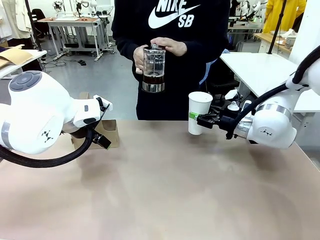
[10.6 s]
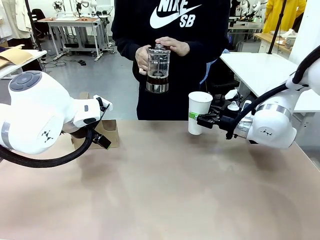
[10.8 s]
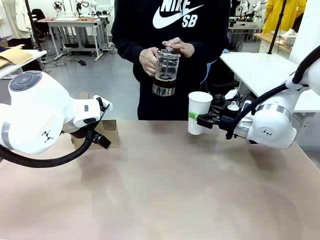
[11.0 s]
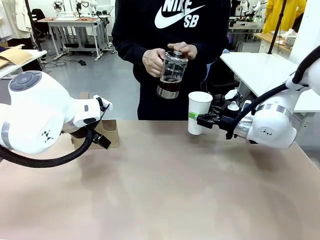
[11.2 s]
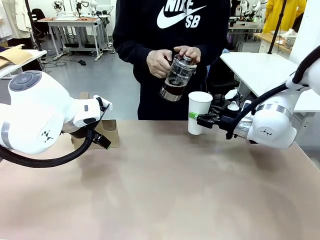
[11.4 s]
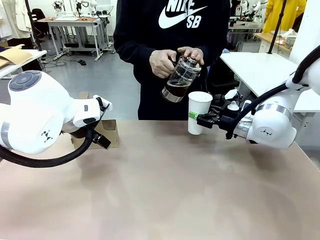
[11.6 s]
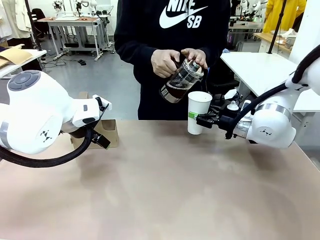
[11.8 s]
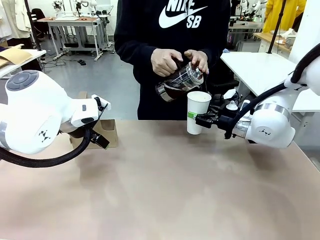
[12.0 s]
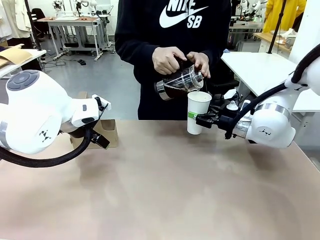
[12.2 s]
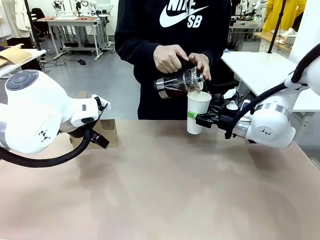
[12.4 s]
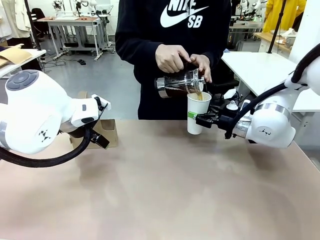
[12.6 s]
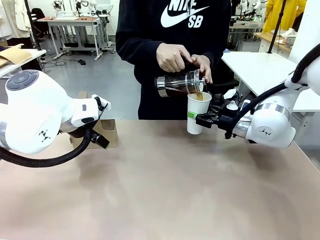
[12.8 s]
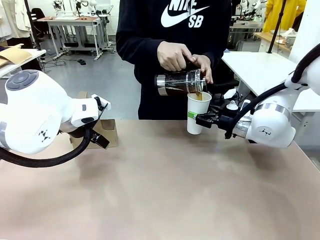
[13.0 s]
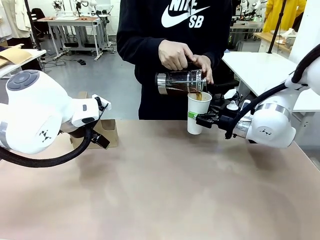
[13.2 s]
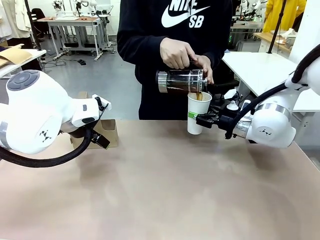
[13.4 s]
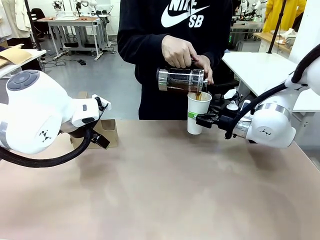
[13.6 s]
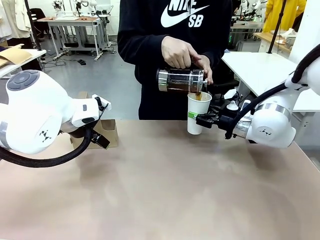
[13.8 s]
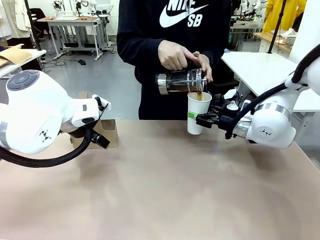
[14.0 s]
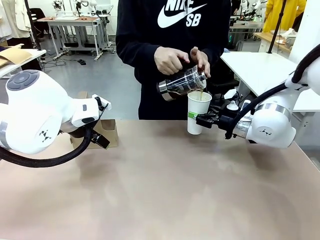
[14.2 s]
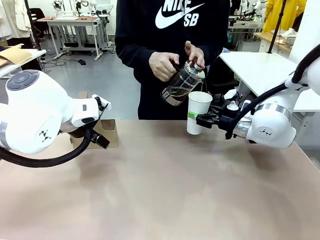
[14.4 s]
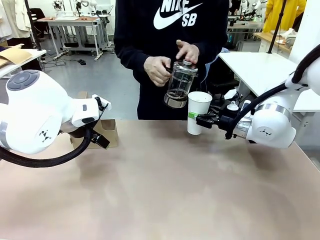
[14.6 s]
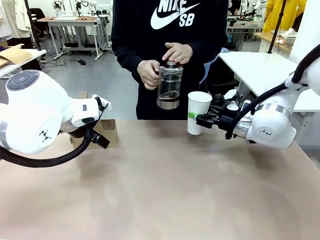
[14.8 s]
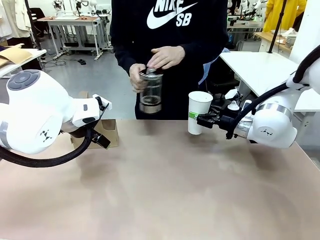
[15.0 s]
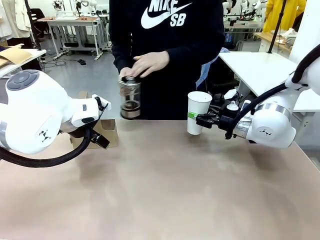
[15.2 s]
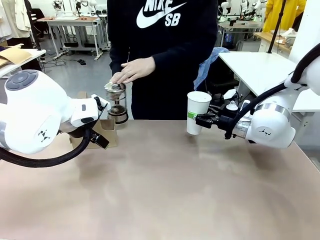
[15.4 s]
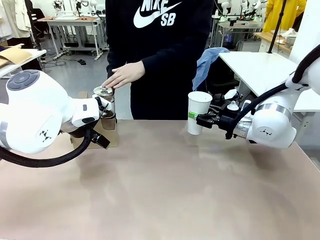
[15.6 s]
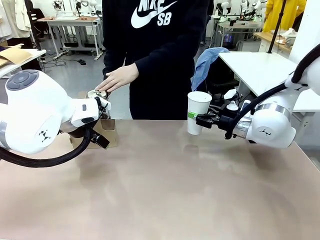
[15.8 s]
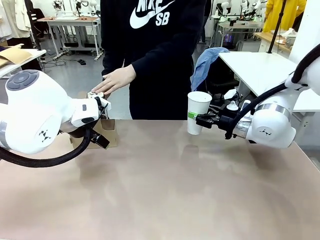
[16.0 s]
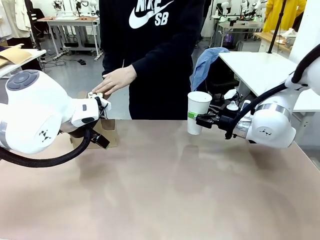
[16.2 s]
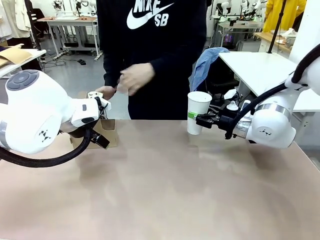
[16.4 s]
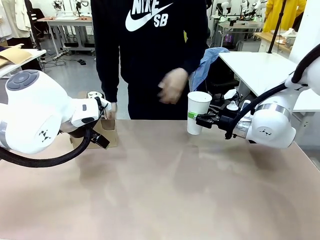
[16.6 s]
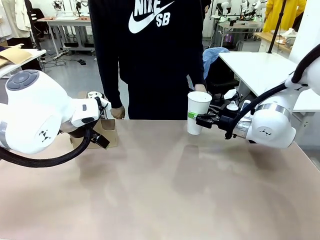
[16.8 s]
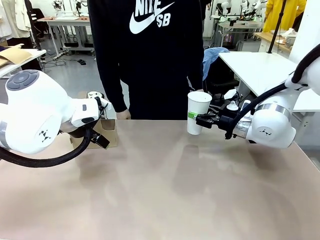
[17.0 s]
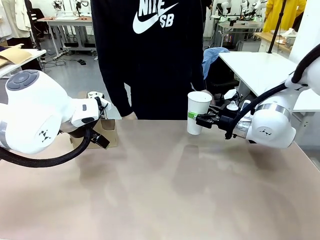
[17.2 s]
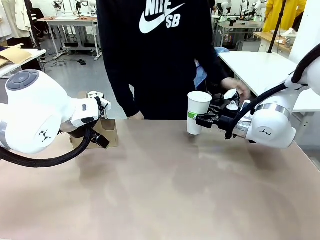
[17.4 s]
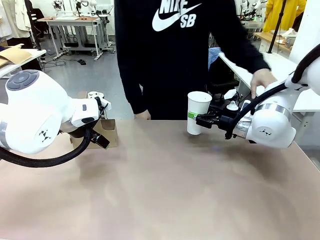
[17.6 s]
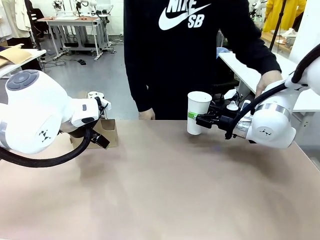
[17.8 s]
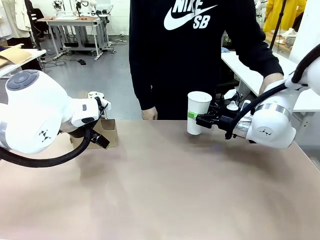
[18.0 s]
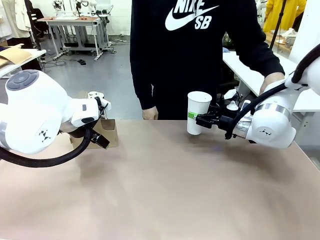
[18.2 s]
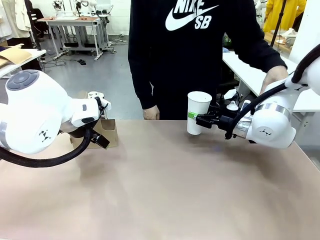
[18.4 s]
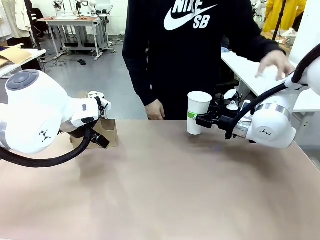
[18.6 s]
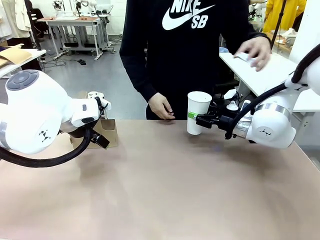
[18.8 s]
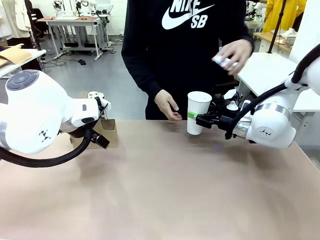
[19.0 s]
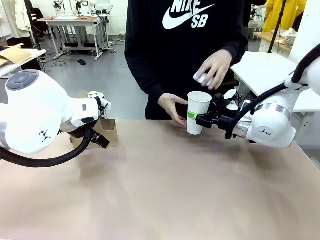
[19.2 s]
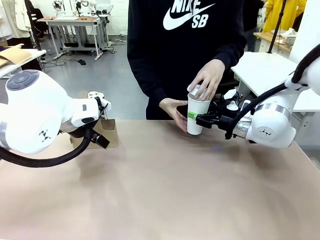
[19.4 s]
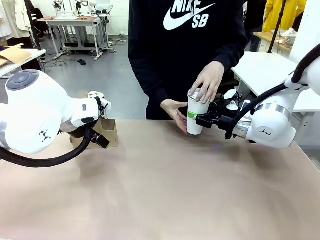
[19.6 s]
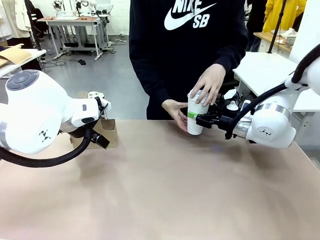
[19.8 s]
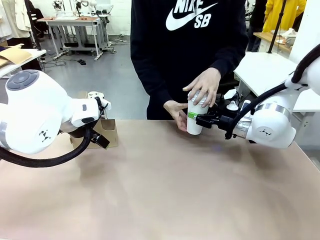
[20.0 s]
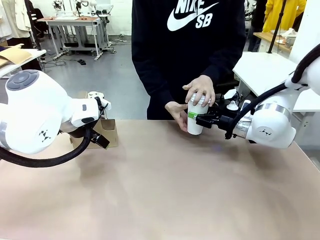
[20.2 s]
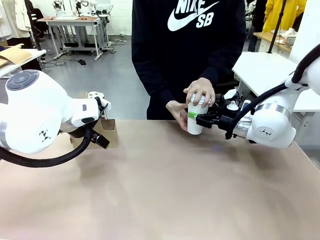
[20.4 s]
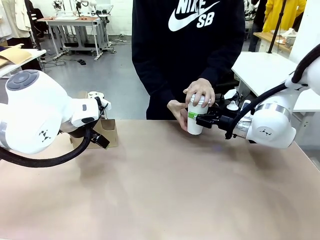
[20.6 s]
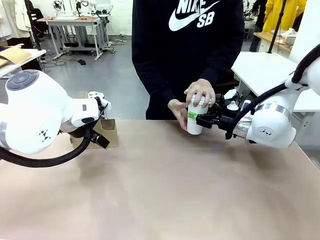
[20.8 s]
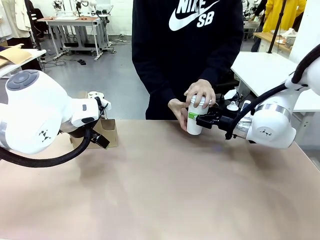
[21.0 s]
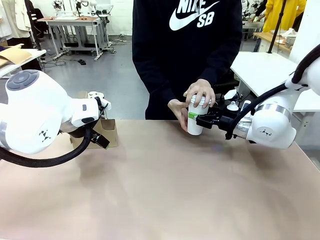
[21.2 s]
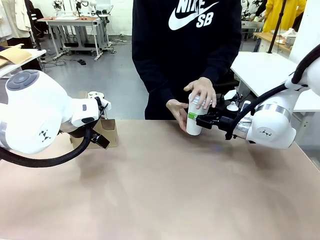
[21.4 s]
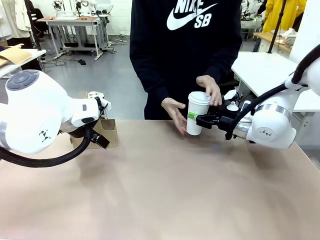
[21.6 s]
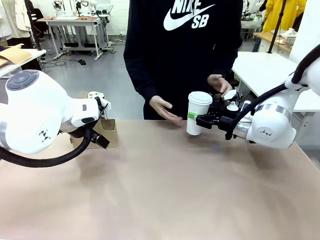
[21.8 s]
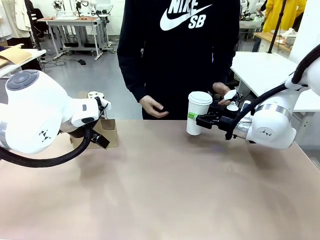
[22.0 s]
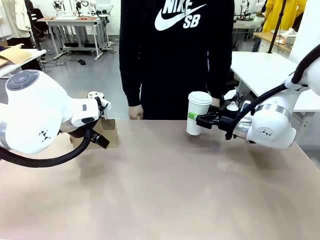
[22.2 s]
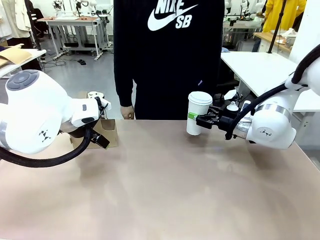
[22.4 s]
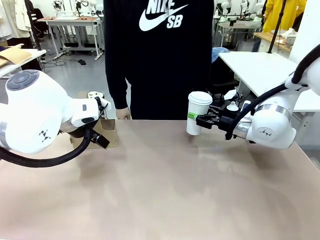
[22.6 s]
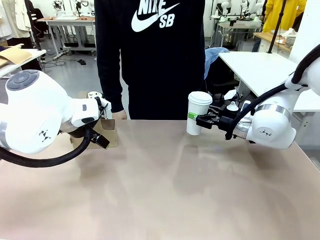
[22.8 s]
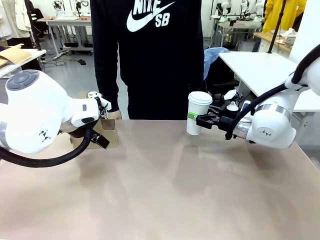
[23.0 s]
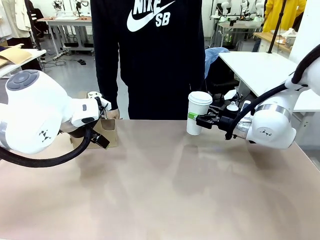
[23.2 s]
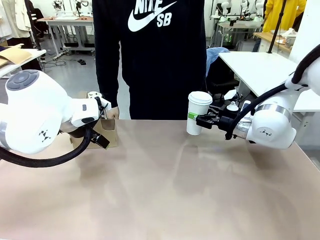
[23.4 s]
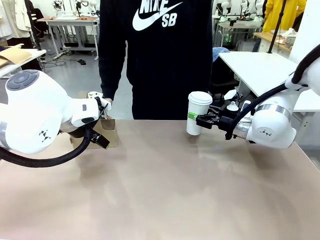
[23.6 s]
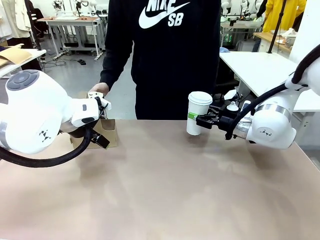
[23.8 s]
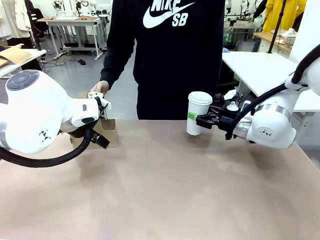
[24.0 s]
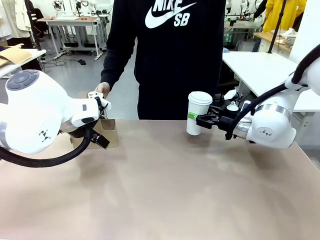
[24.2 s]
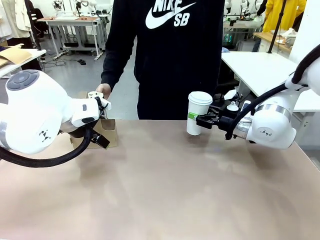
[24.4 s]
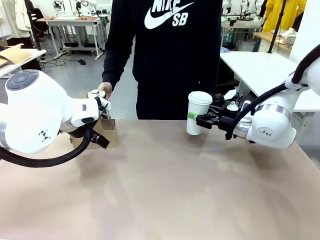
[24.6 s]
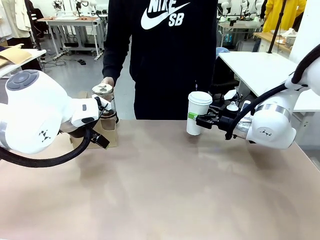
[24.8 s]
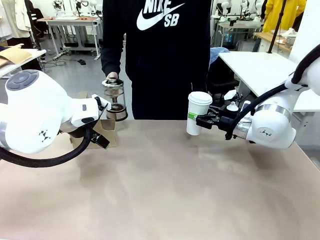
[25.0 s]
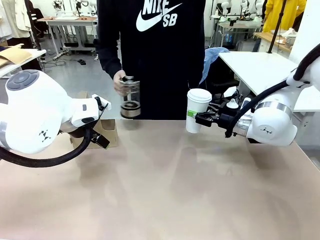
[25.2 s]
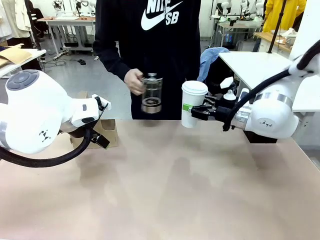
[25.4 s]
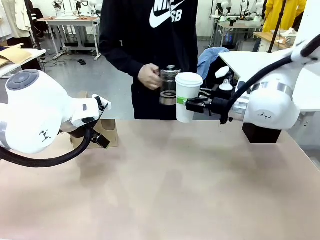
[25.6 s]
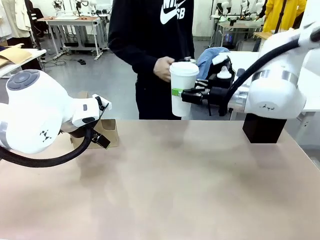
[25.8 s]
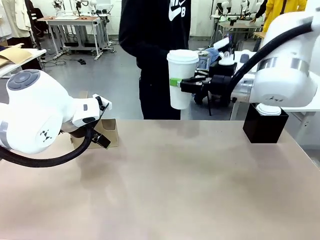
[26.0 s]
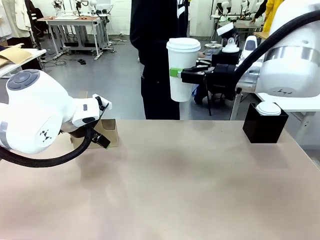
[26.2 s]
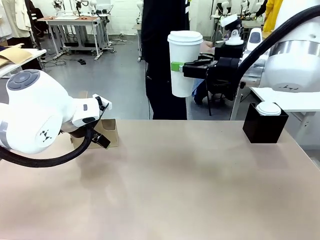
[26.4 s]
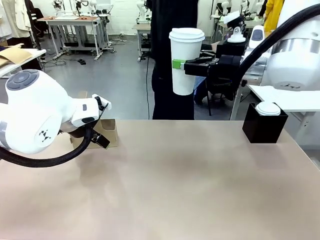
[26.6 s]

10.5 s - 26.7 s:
Task: Pour a drink into a cup and package it in a carrier.
Robot: When a person places the Paper Cup Lid on the 600 ml Paper Cup , lift the 600 ml Paper Cup.
Person: Pour the drink from the Filter Brewing into the 600 ml Paper Cup. Place a Paper Cup Lid on the 600 ml Paper Cup.
